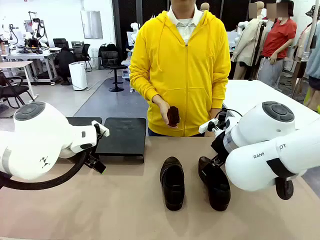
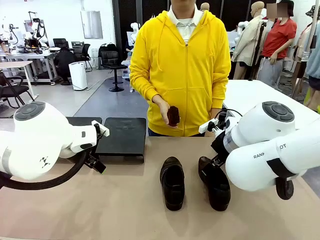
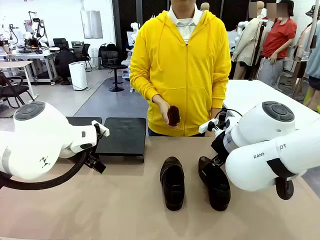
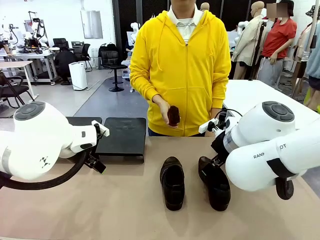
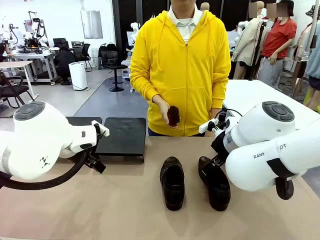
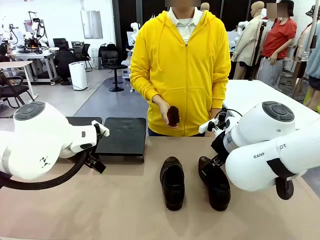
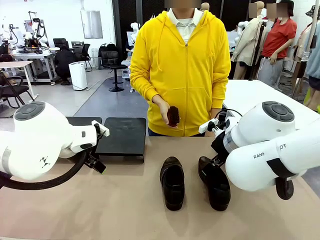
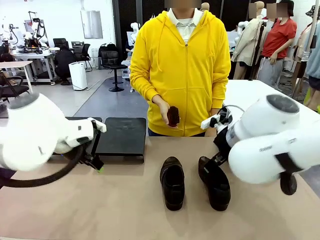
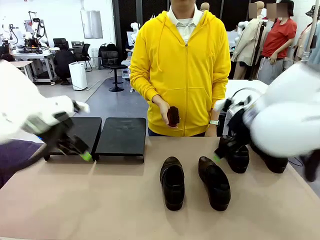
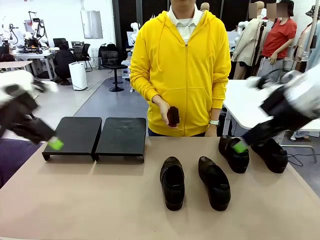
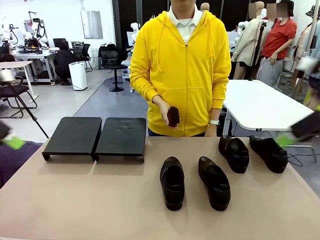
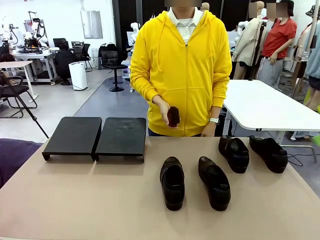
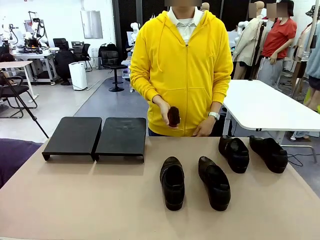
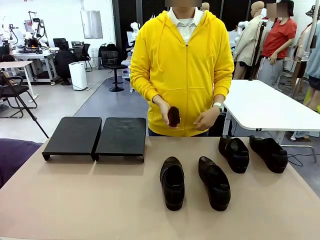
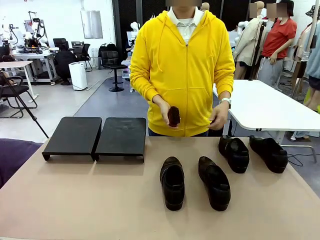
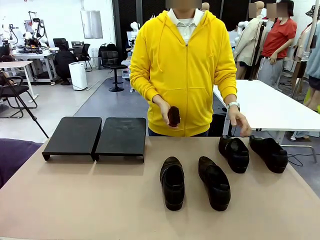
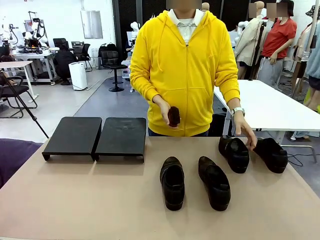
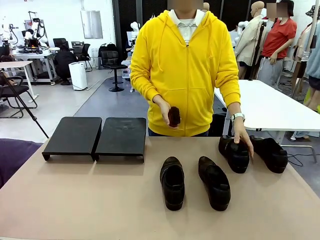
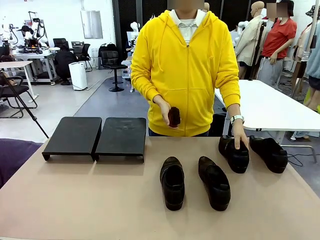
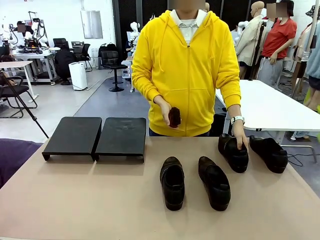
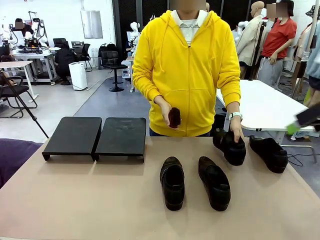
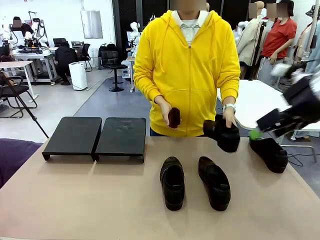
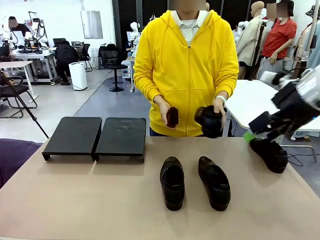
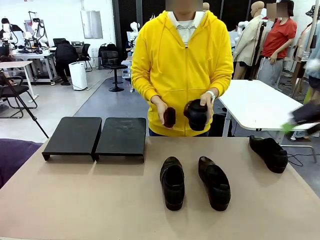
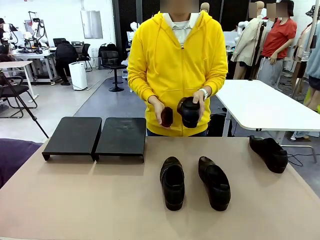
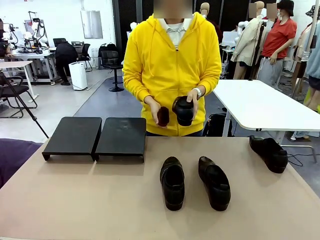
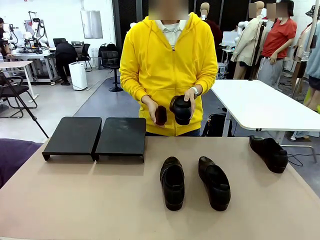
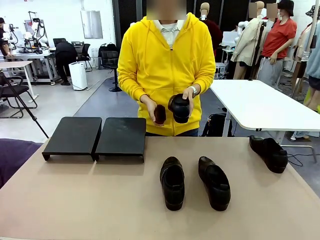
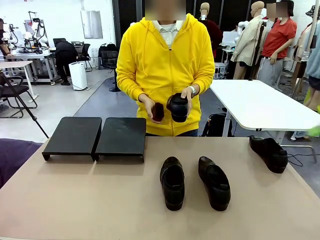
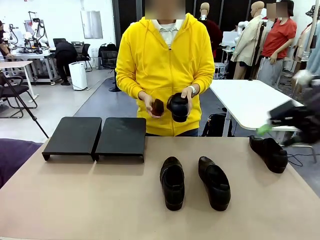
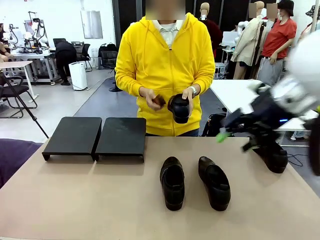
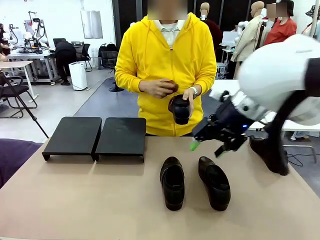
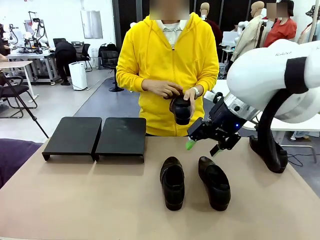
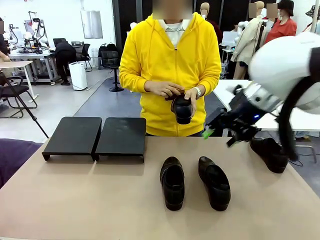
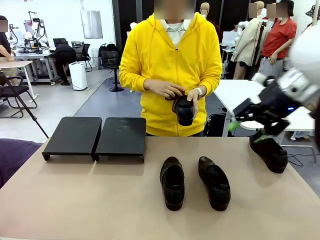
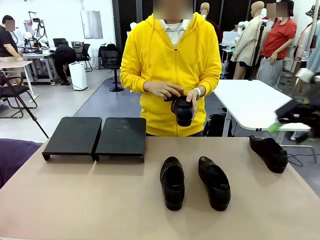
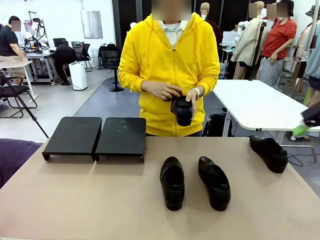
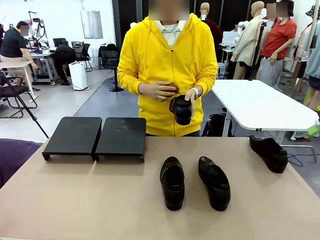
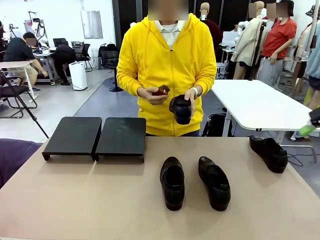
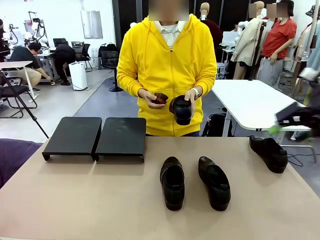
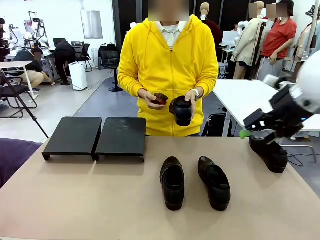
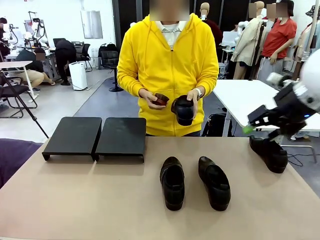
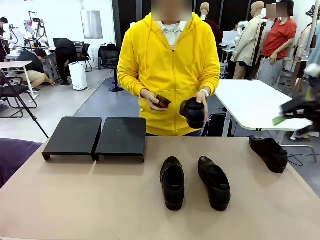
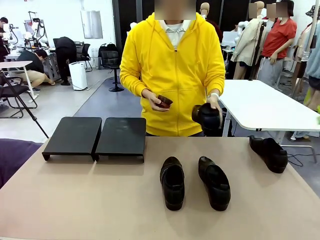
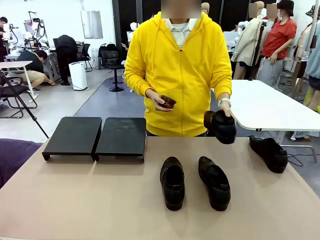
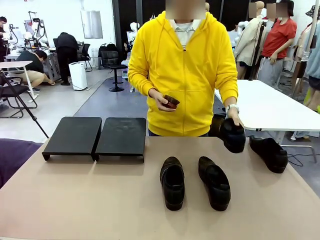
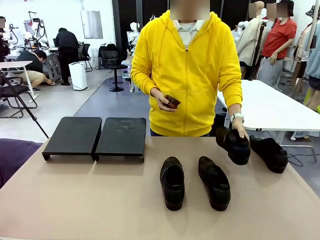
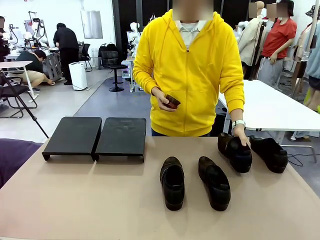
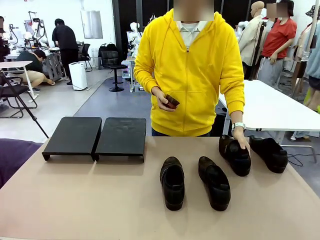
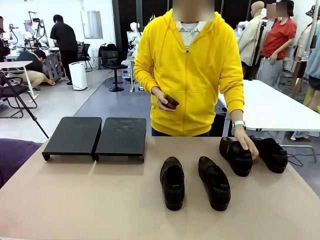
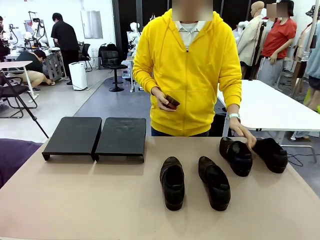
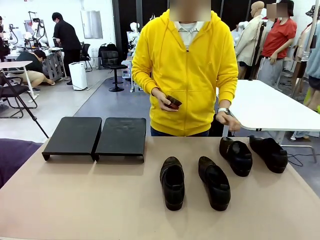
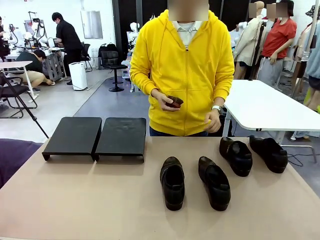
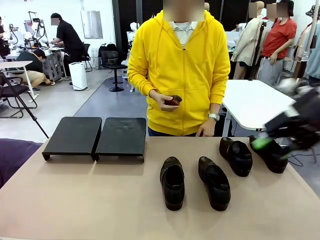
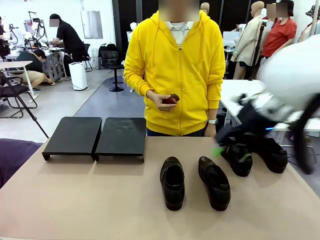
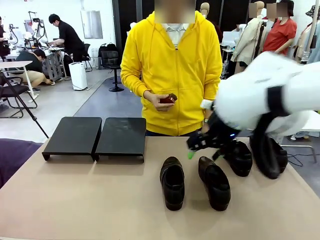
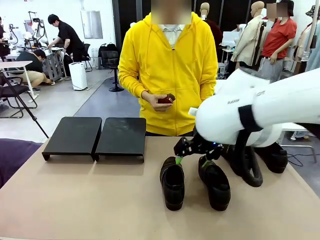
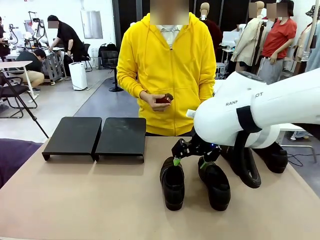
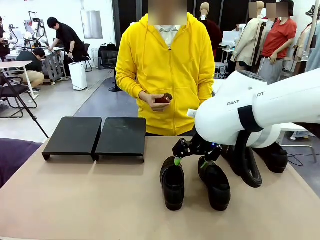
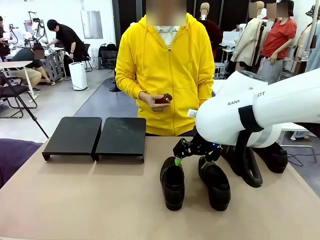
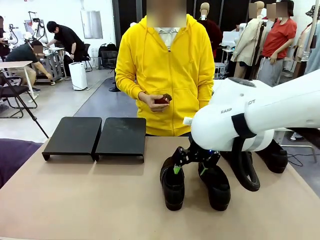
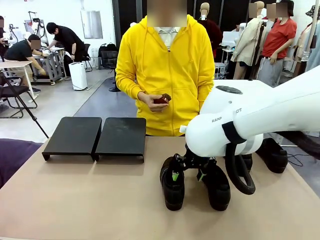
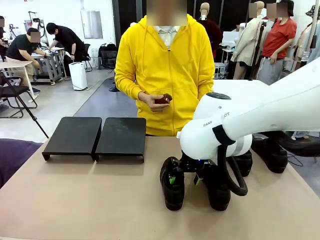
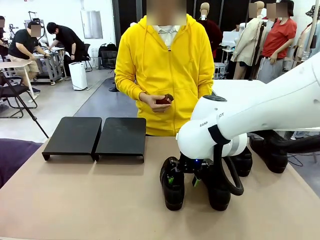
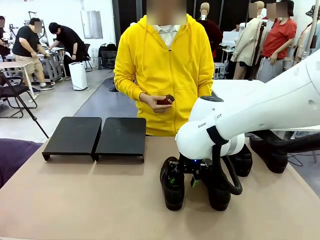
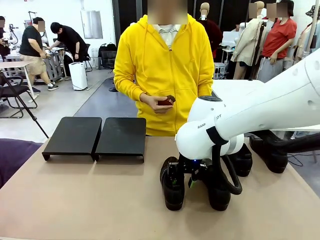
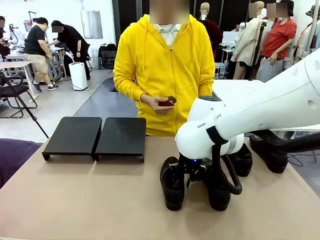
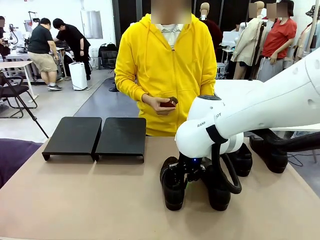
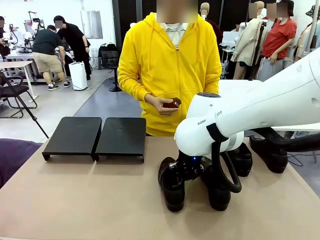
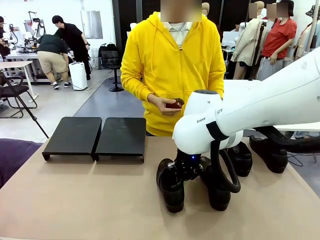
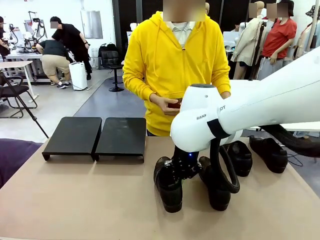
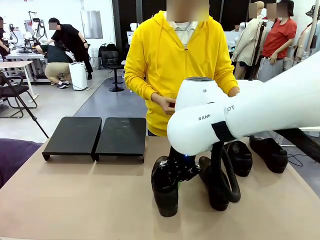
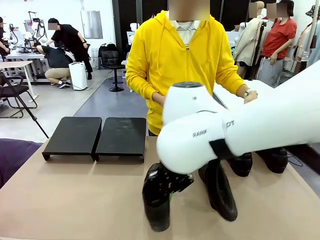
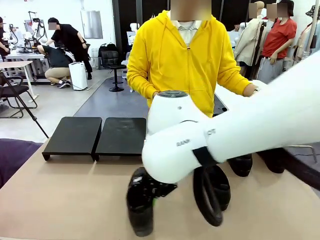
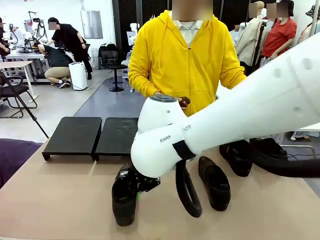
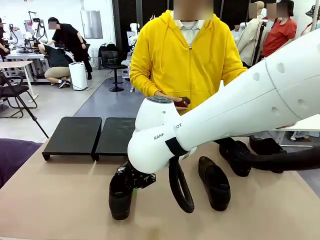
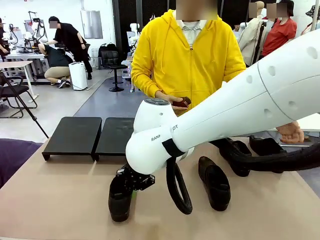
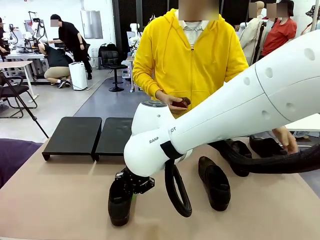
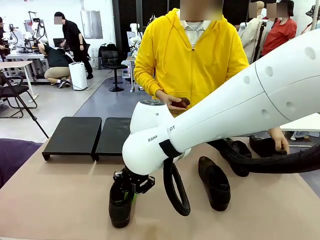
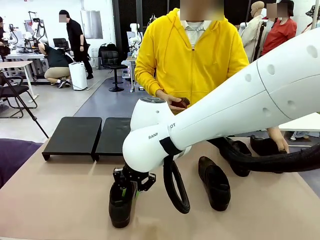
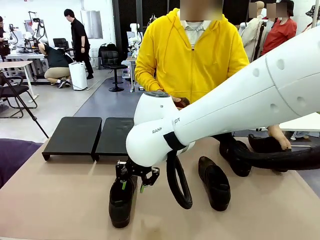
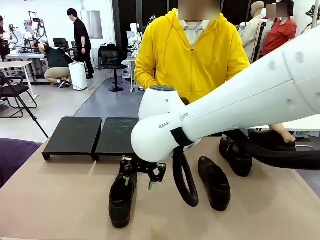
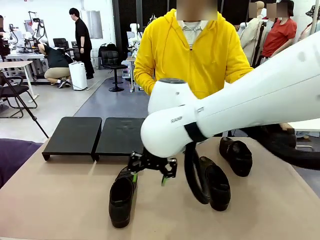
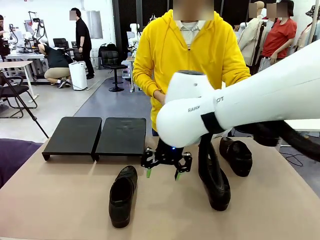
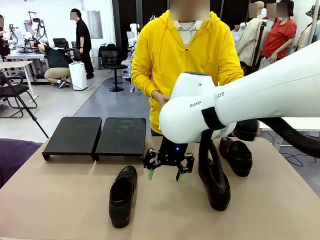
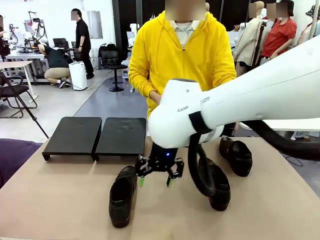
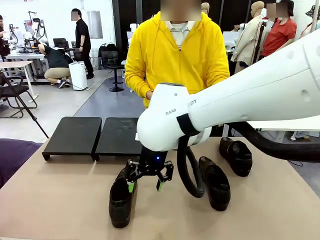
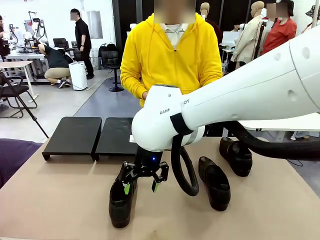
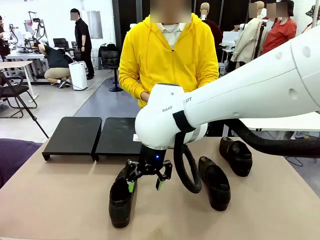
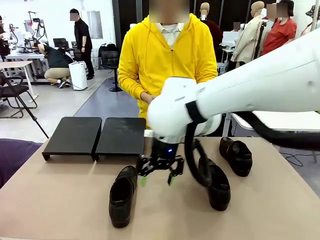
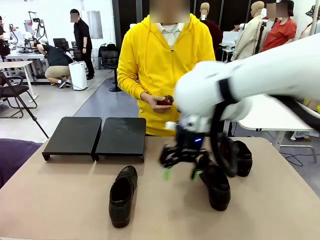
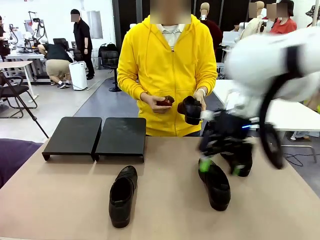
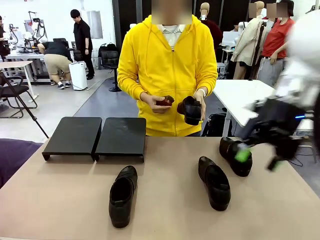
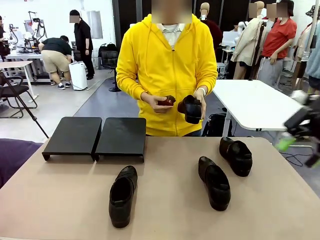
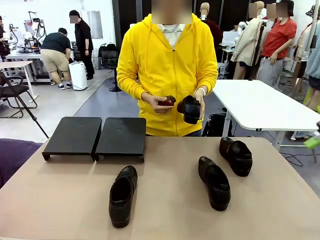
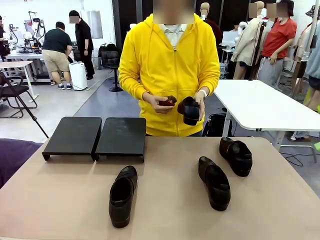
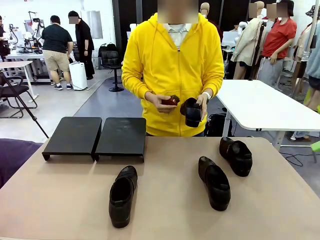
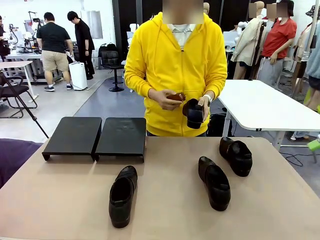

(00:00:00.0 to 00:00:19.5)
Task: Organize the shoes by placing them on the stand.
Robot: Pick up one Shoe and place it in the middle of the table.
Person: Pick one Shoe on Robot's table. Clean the Shoe with the Shoe Brush. Place the Shoe on left side of the Robot's table. Pick one Shoe on Robot's table.
